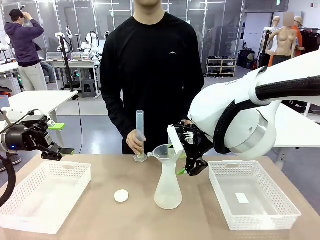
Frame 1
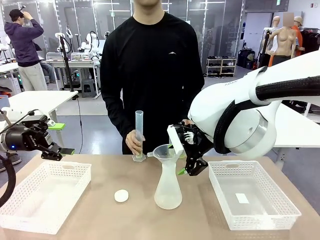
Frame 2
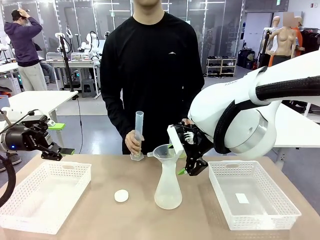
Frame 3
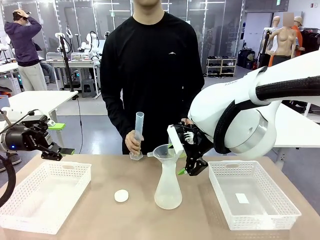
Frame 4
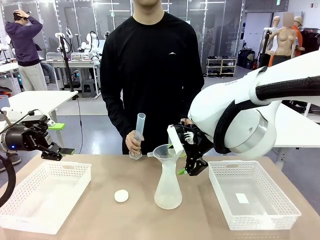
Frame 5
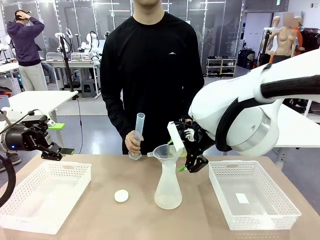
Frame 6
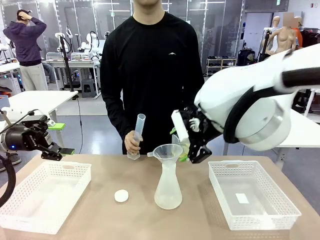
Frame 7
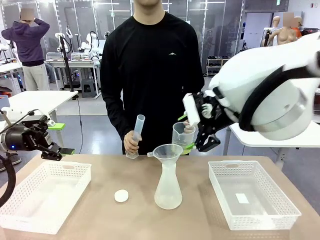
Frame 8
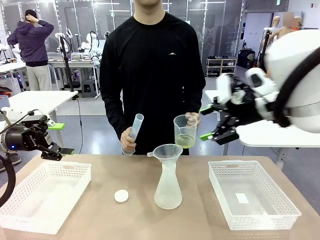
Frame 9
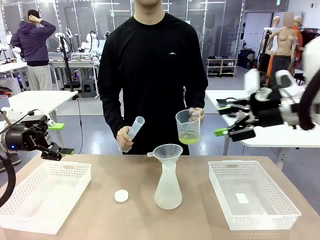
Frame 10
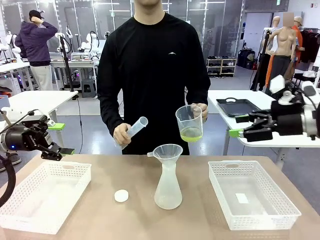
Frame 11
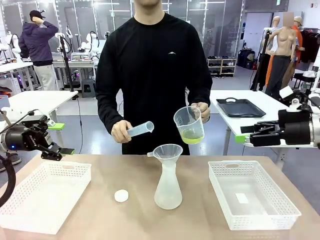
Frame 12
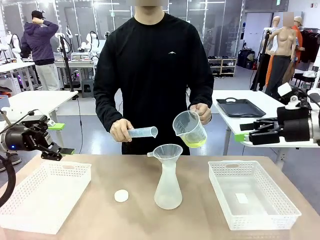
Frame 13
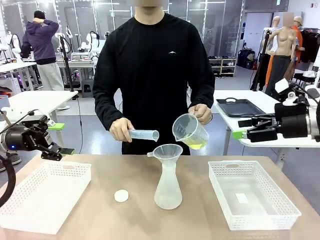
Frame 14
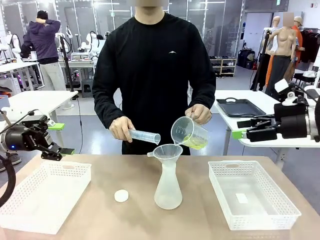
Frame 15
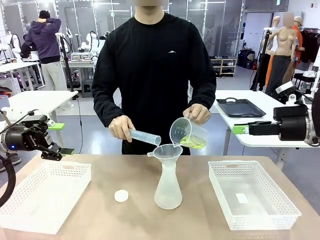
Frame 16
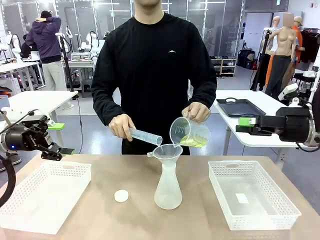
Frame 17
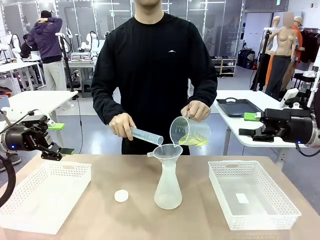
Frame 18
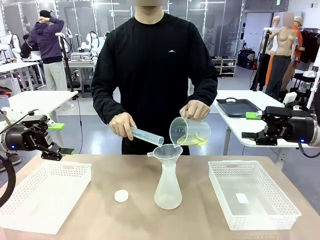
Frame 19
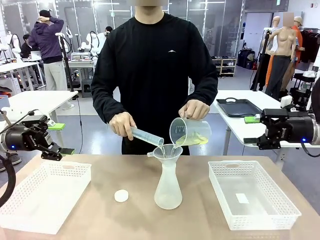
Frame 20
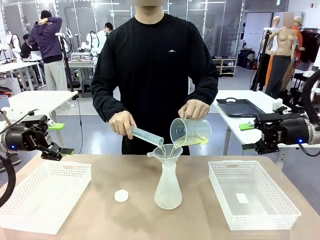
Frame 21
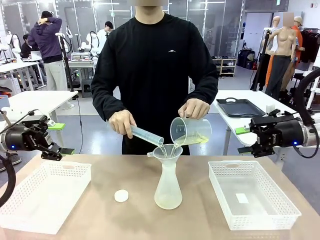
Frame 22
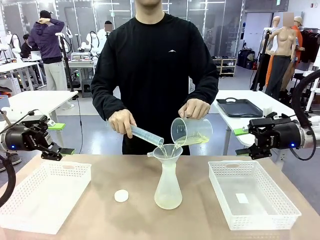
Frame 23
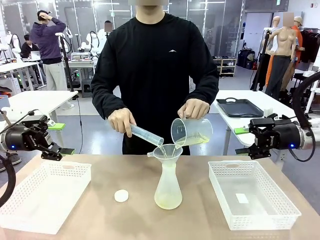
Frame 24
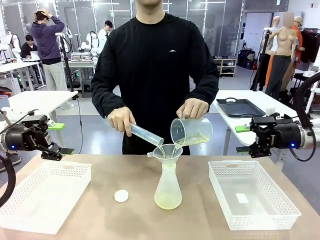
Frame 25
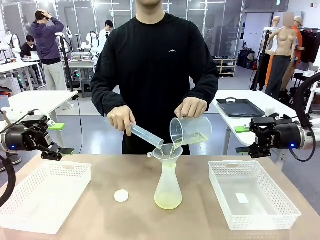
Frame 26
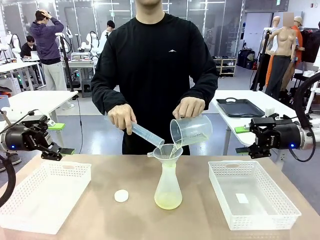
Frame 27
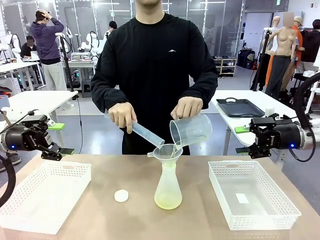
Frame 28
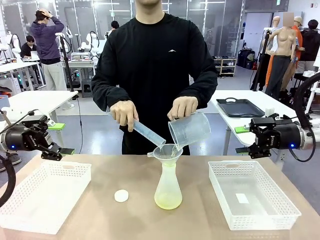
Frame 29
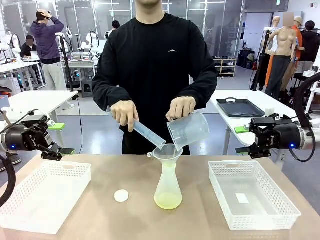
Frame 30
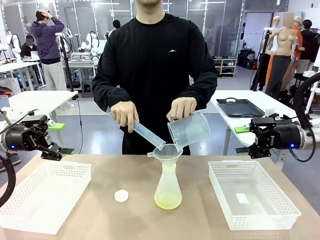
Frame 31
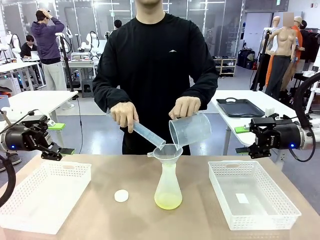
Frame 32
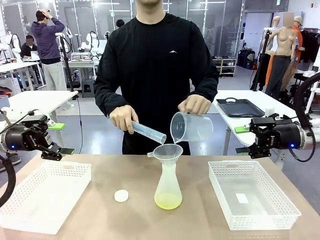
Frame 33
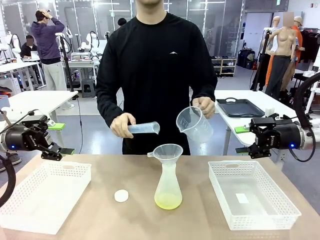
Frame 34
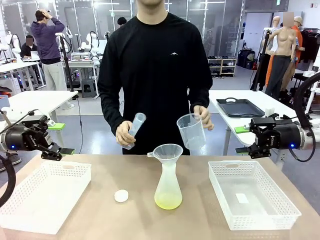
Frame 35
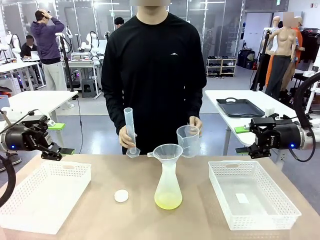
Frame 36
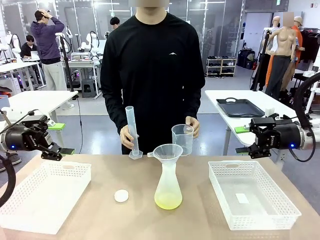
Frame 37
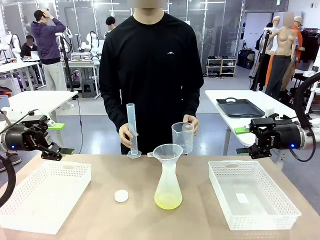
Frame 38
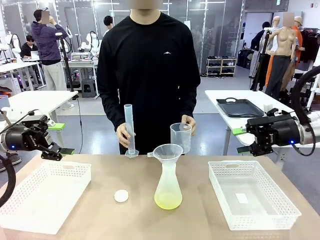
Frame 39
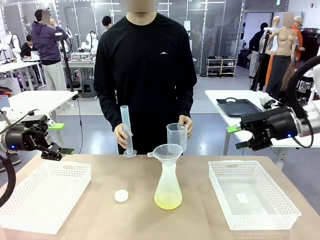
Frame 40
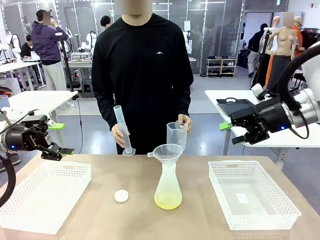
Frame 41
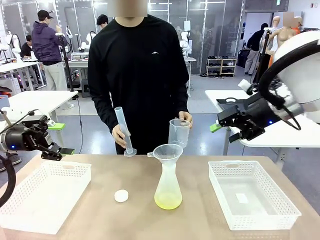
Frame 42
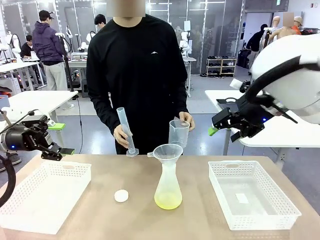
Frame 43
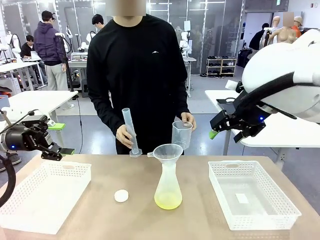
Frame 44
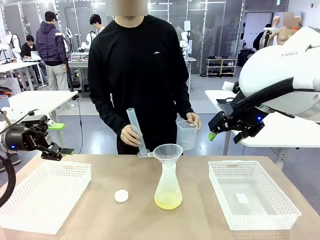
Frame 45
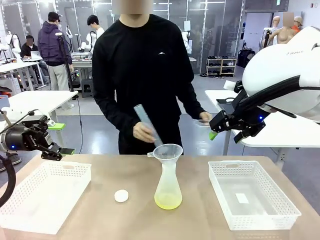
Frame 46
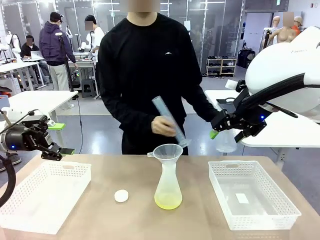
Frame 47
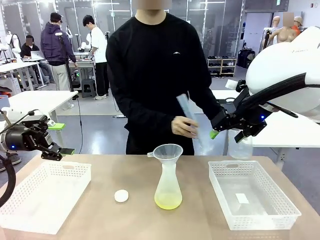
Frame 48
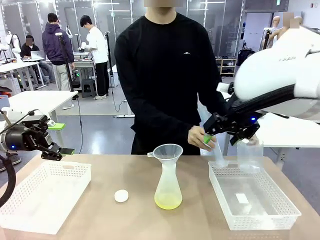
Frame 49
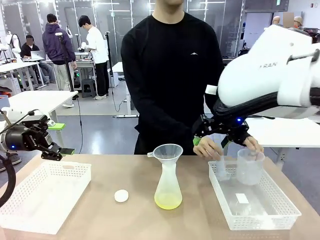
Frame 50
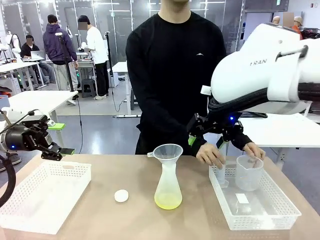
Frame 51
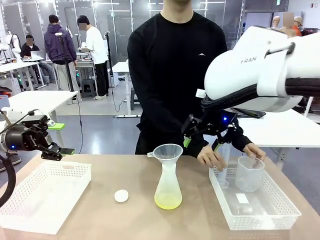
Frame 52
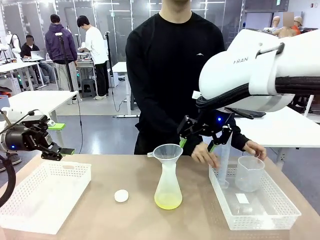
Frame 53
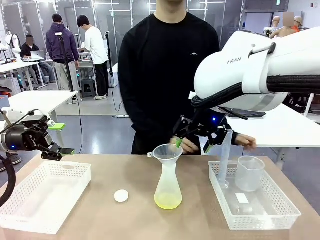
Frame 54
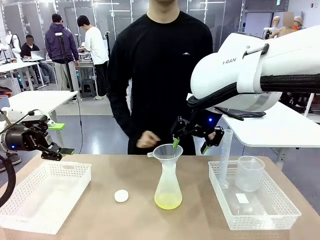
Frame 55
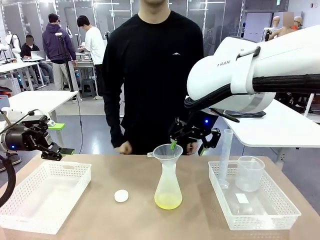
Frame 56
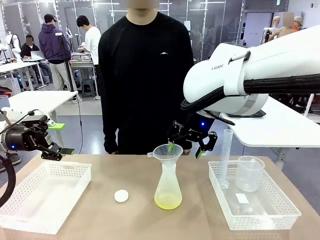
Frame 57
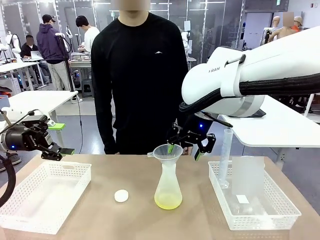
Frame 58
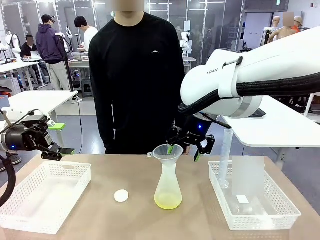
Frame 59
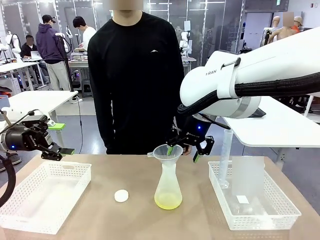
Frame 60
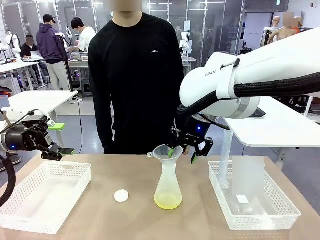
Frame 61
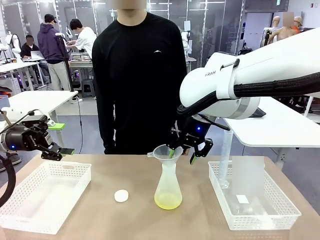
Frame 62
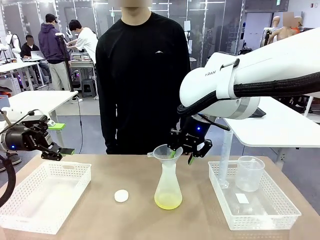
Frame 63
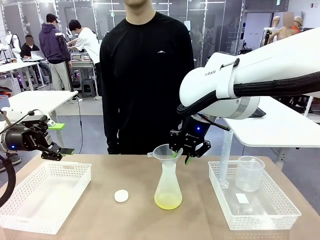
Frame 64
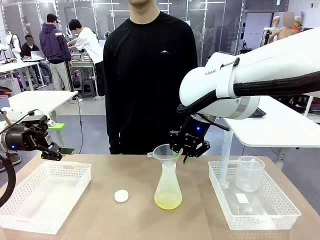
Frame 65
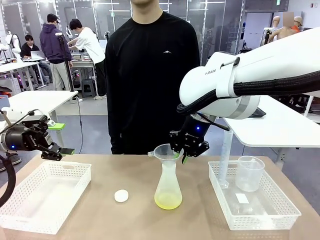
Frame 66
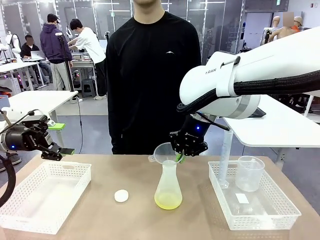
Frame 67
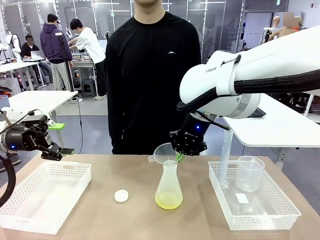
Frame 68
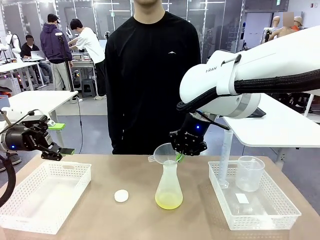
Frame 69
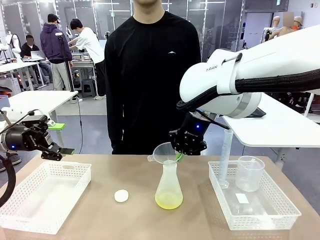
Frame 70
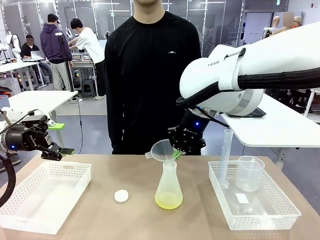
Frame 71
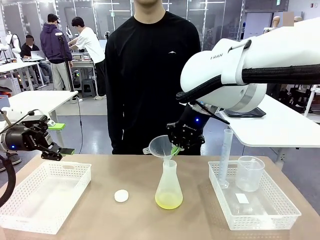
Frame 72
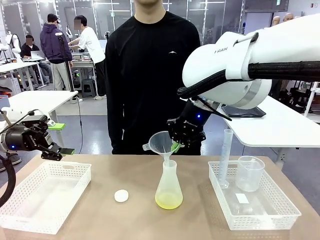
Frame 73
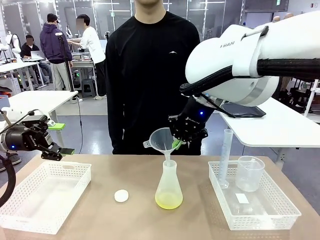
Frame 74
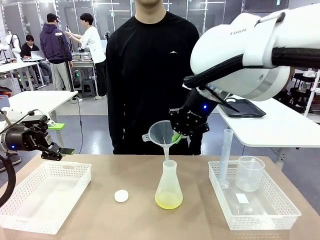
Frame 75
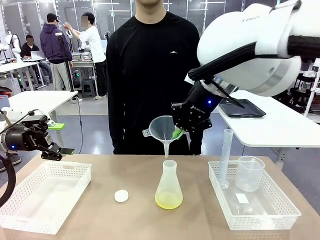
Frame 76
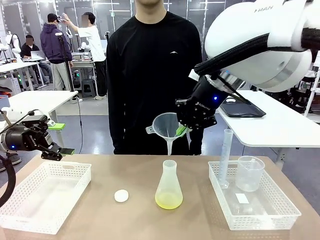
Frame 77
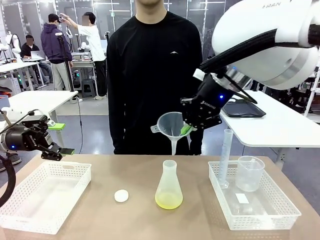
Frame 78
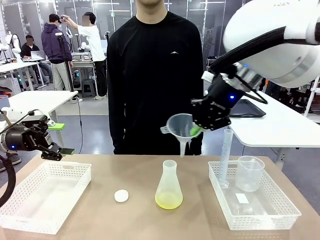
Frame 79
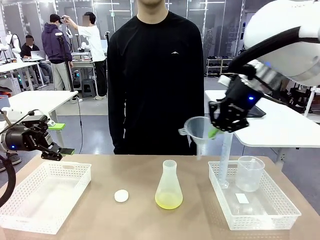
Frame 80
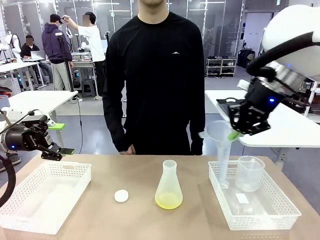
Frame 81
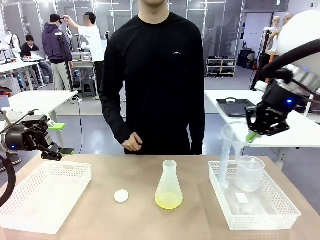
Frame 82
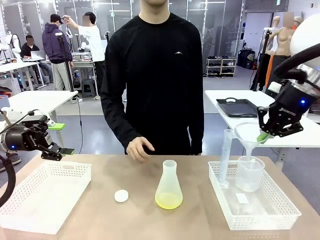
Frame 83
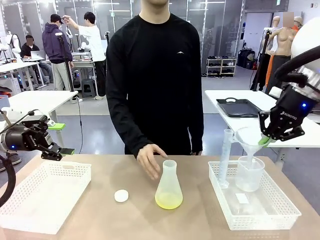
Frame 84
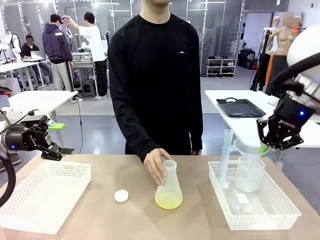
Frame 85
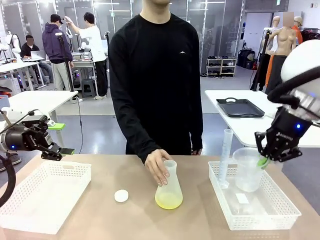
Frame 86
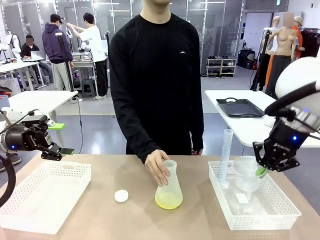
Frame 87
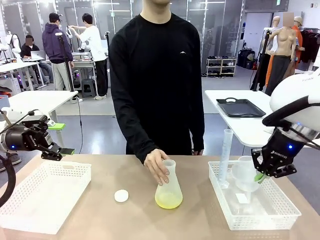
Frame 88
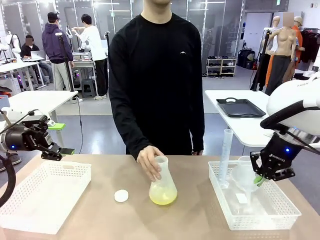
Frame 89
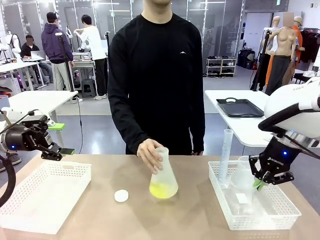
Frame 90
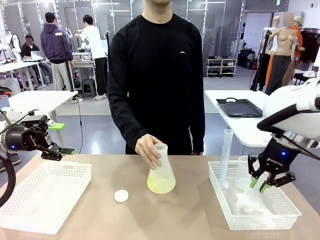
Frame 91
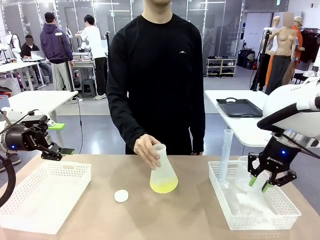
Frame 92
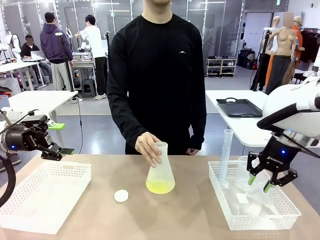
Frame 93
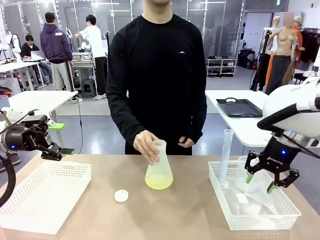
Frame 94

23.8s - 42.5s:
Task: Prepare the solutions needed for the experiment.
Robot: Once the solution is in the Big flask , pick up the Plastic Funnel and place it back into the right Organizing basket.
Person: Place the beaker and the cylinder into the organizing basket on the left side. Pick up the flask, gently shake it 2–3 times, place it in the middle of the robot table, and close the lid.
